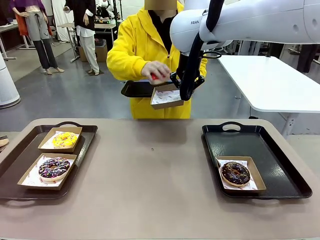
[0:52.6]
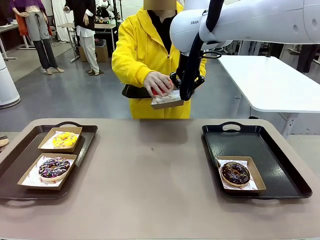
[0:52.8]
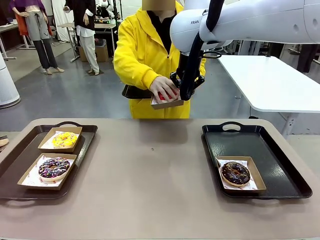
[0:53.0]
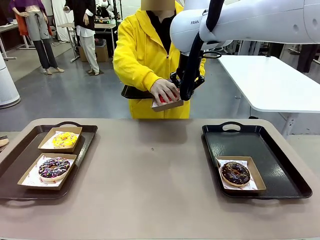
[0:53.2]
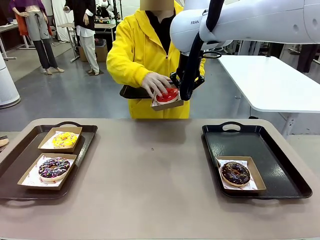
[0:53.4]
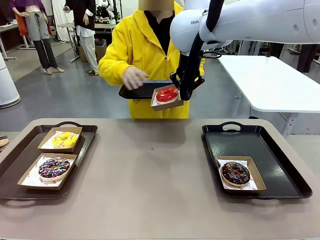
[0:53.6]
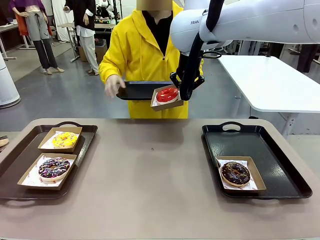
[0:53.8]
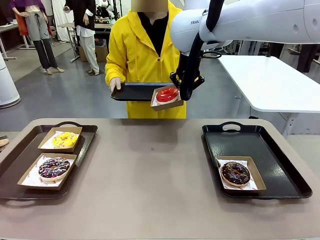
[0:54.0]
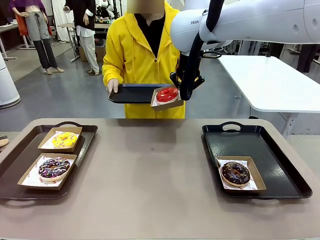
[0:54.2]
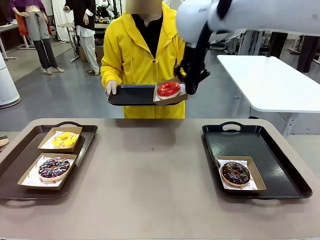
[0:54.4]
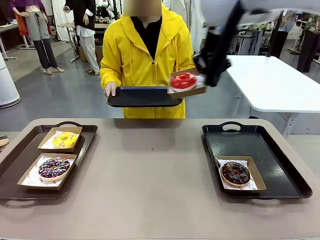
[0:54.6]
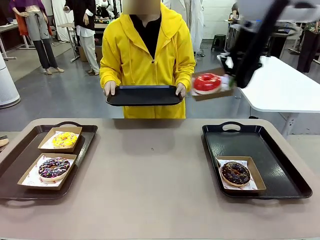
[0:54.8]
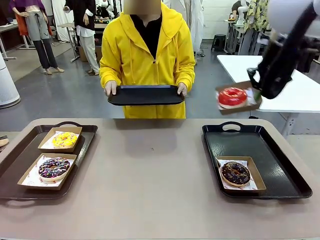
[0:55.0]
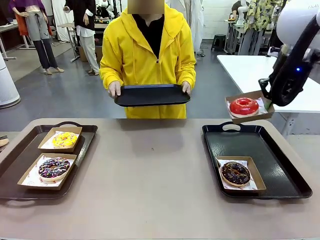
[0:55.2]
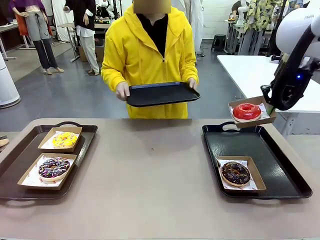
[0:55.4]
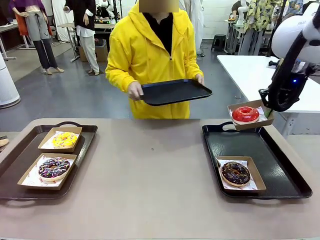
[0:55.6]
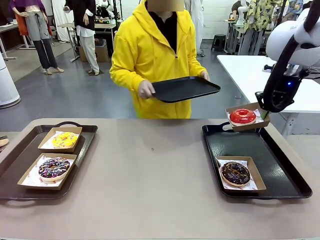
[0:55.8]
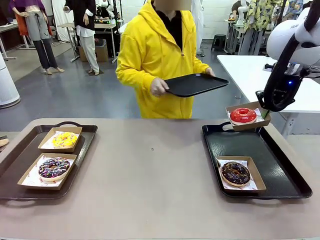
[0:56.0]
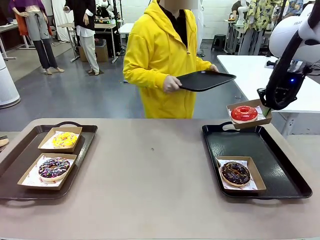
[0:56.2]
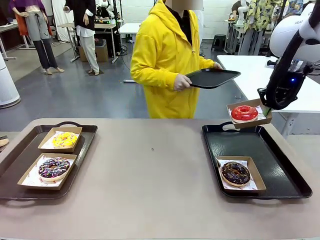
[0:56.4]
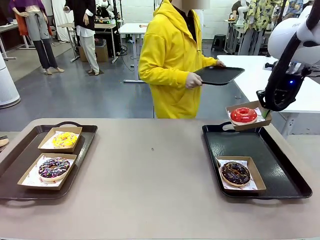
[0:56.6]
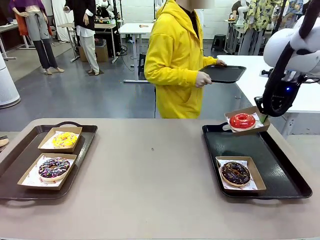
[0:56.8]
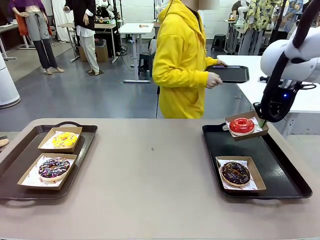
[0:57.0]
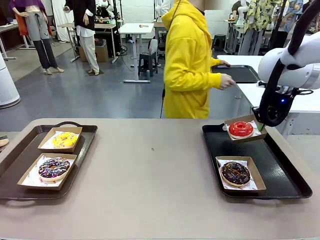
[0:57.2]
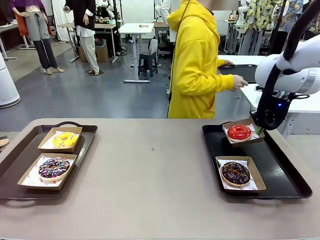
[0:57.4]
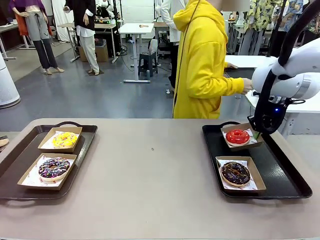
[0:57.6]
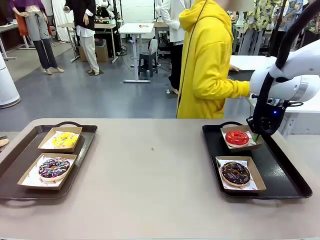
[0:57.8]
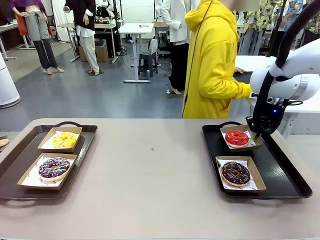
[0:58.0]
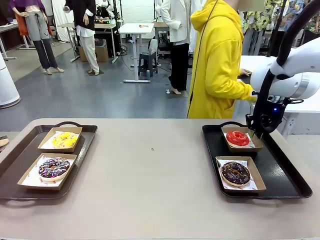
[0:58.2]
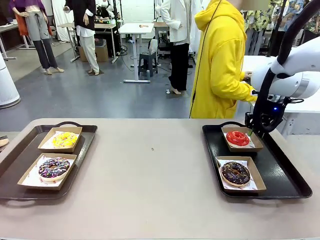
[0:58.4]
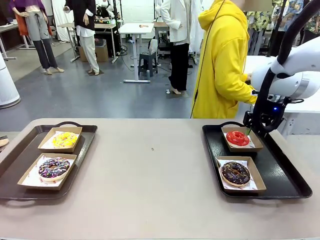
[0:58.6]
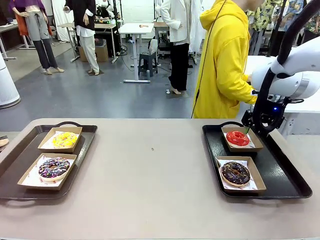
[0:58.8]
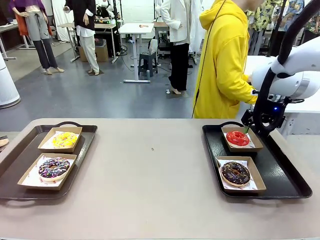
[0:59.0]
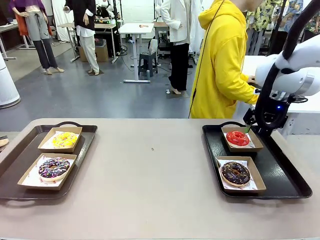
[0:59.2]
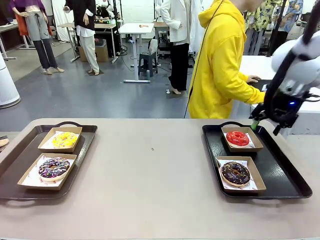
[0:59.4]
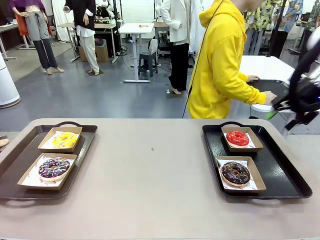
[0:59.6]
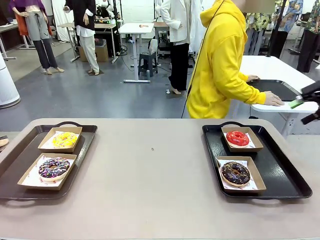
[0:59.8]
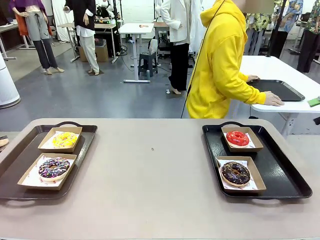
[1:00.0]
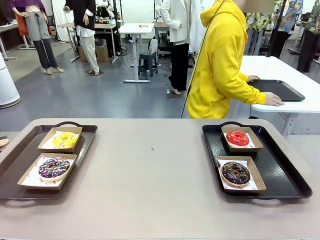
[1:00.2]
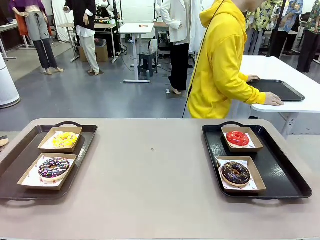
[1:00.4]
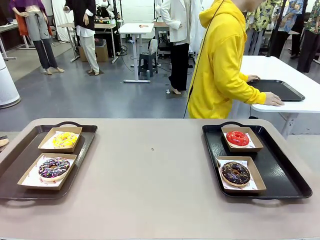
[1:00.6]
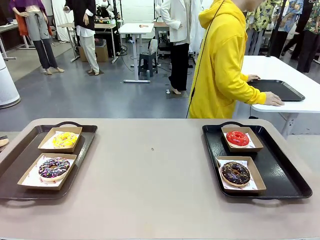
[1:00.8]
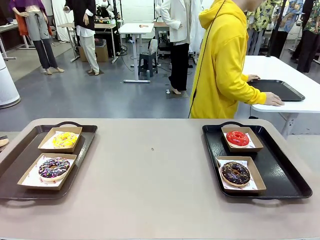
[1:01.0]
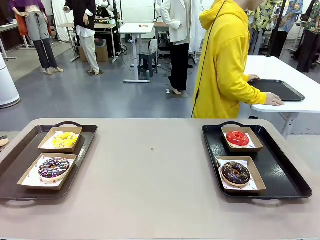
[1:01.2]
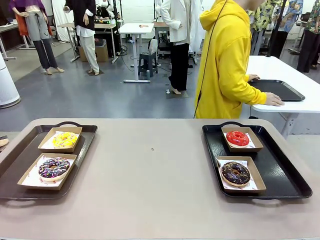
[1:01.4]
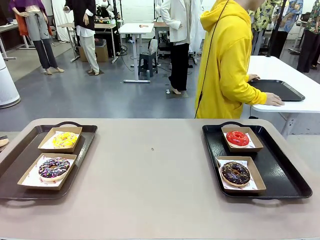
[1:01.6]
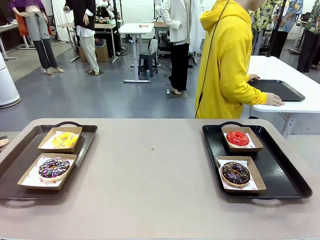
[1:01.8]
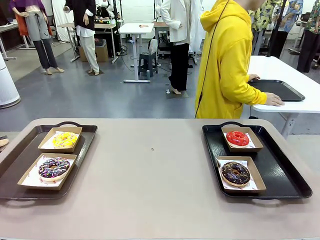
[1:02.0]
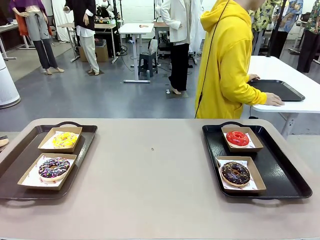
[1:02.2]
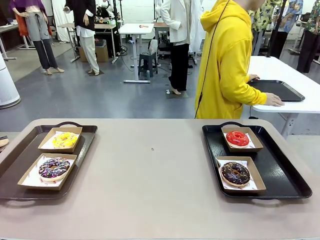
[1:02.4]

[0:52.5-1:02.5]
Task: Individually package the donuts and arrange them on the tray.
Robot: Place the picked Paper togo box on the Handle tray.
Person: Place the tray down in the middle of the human table.

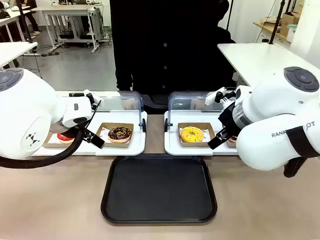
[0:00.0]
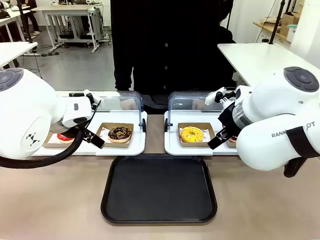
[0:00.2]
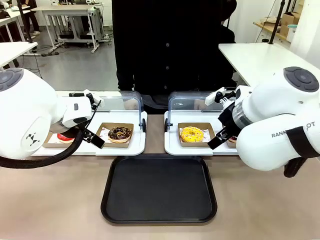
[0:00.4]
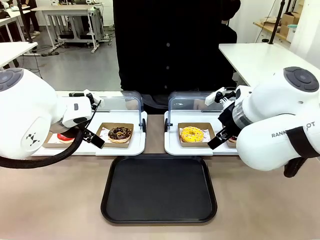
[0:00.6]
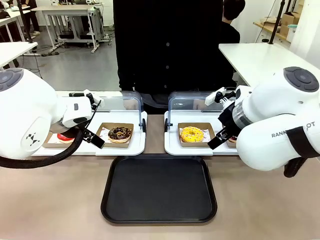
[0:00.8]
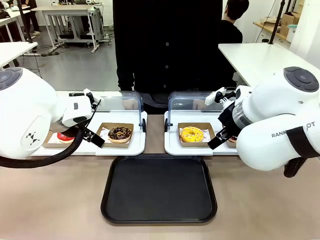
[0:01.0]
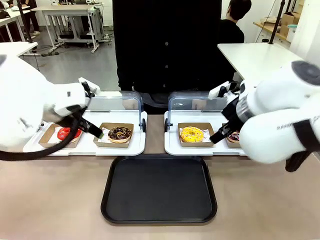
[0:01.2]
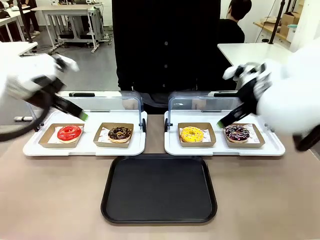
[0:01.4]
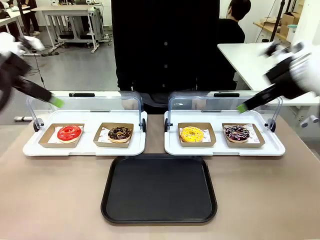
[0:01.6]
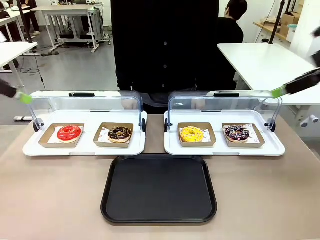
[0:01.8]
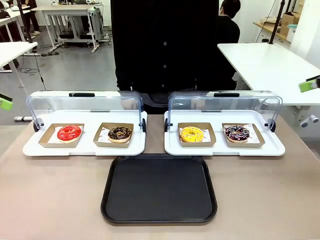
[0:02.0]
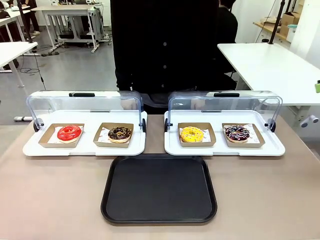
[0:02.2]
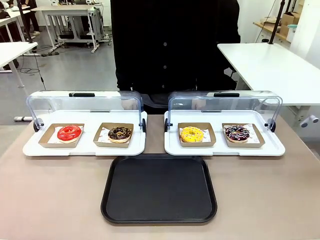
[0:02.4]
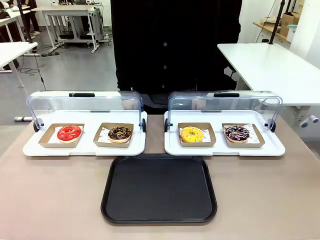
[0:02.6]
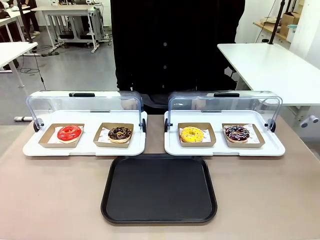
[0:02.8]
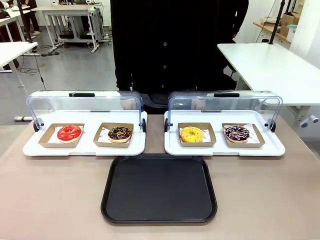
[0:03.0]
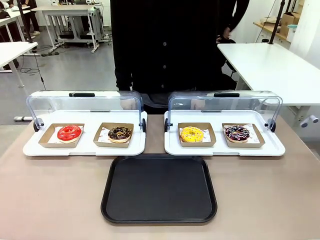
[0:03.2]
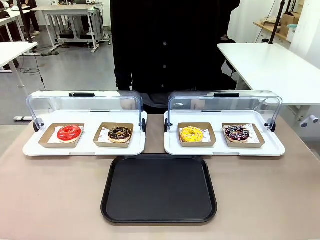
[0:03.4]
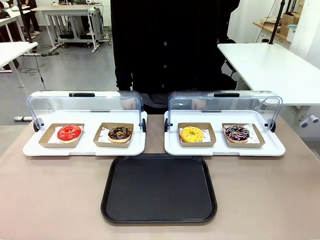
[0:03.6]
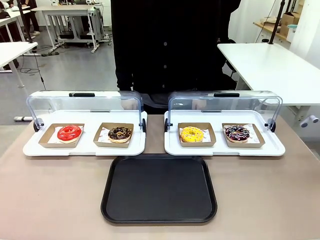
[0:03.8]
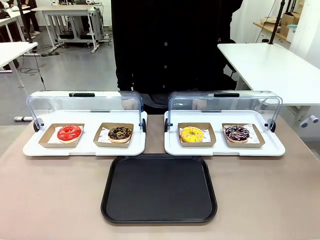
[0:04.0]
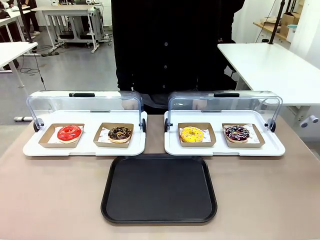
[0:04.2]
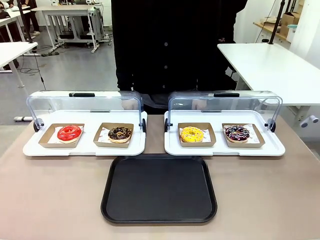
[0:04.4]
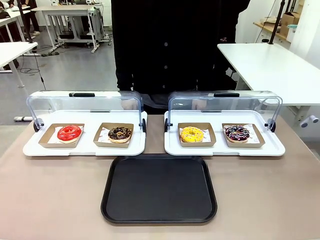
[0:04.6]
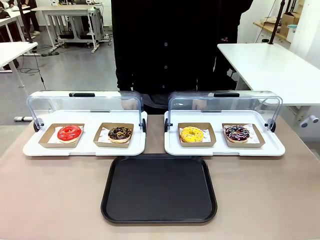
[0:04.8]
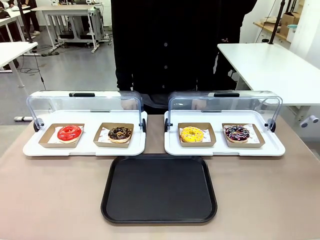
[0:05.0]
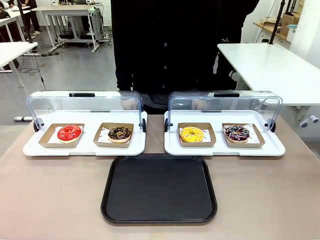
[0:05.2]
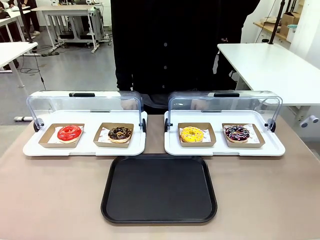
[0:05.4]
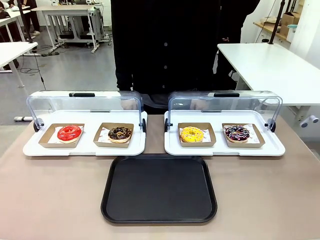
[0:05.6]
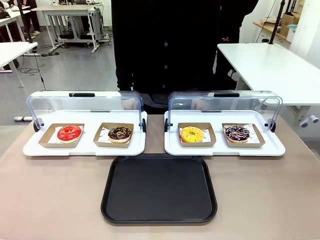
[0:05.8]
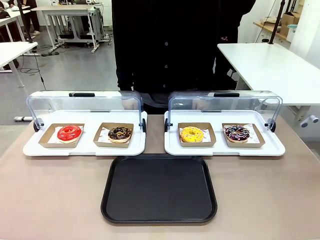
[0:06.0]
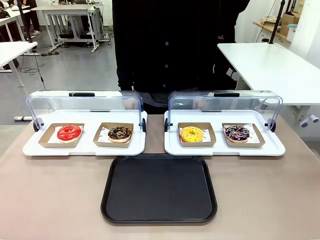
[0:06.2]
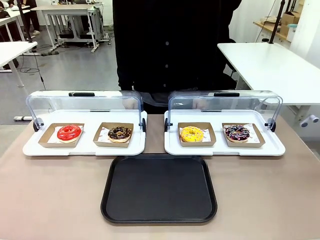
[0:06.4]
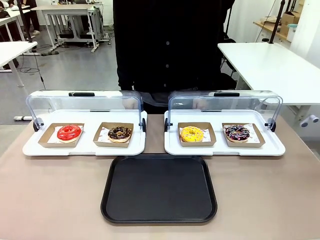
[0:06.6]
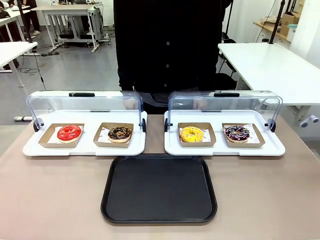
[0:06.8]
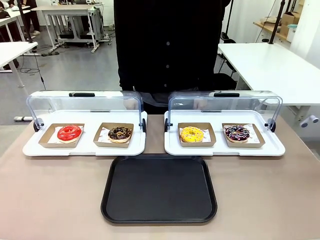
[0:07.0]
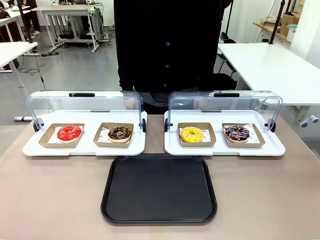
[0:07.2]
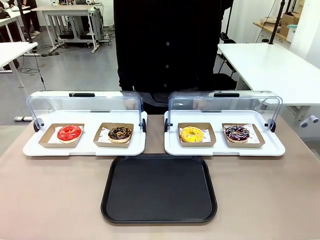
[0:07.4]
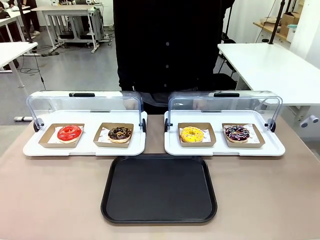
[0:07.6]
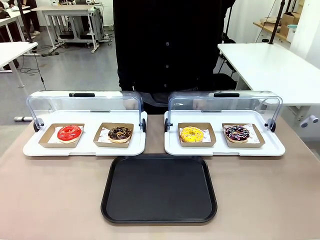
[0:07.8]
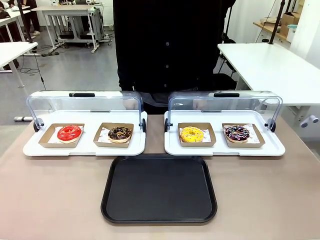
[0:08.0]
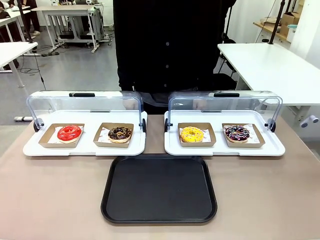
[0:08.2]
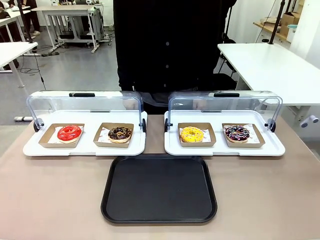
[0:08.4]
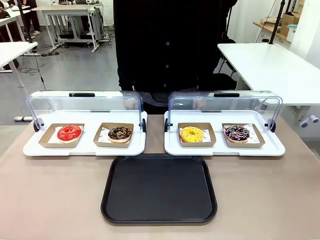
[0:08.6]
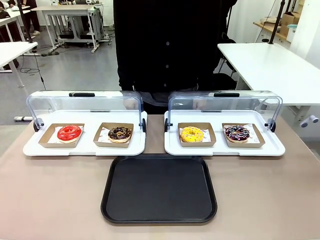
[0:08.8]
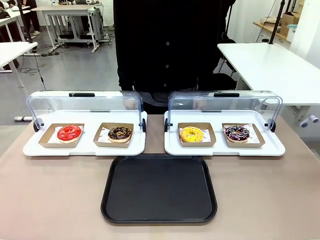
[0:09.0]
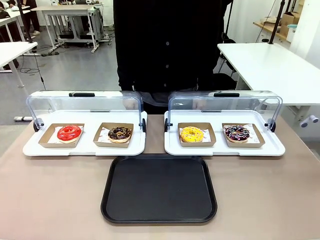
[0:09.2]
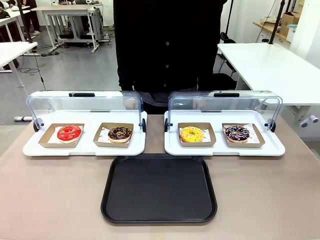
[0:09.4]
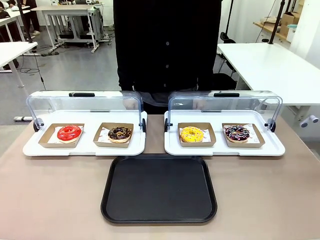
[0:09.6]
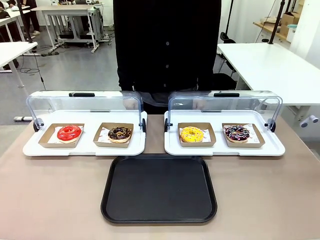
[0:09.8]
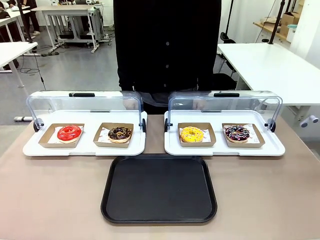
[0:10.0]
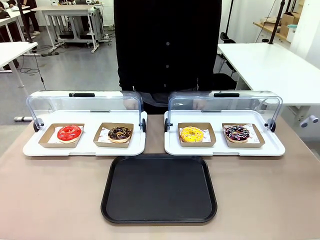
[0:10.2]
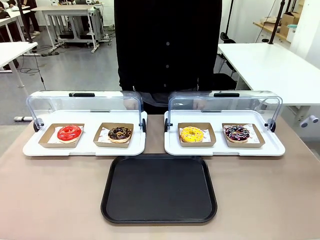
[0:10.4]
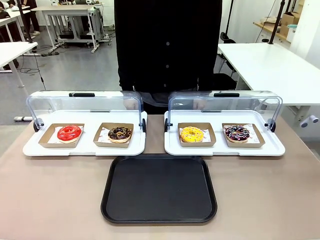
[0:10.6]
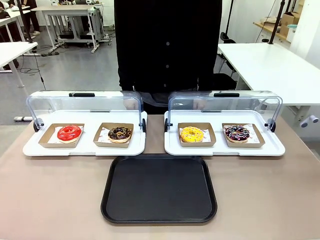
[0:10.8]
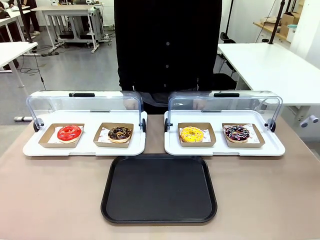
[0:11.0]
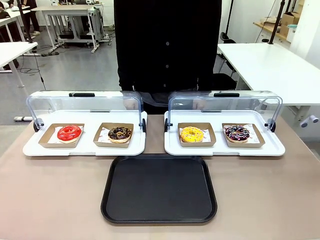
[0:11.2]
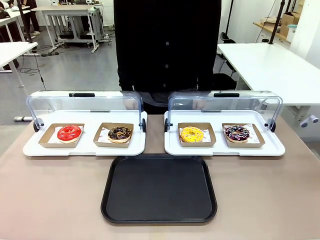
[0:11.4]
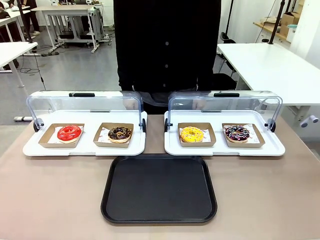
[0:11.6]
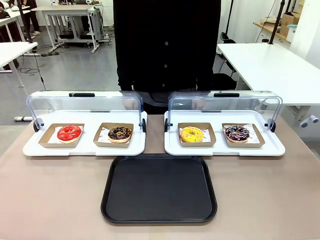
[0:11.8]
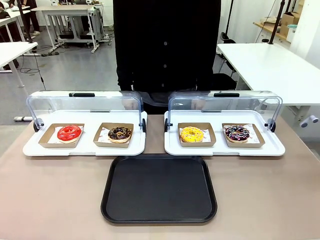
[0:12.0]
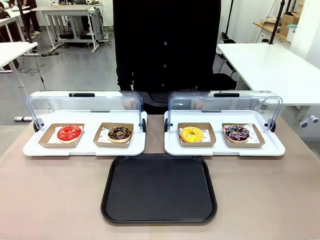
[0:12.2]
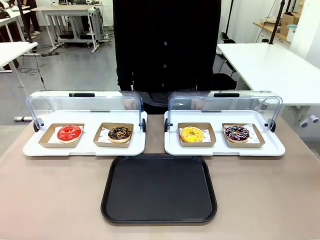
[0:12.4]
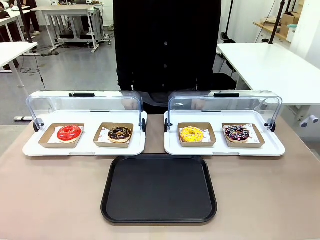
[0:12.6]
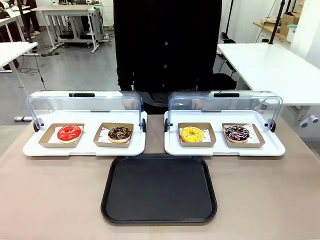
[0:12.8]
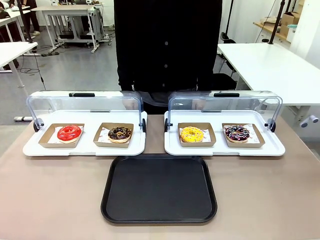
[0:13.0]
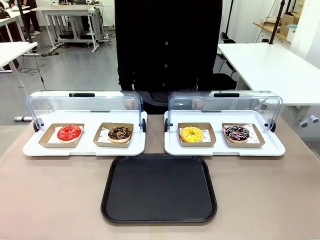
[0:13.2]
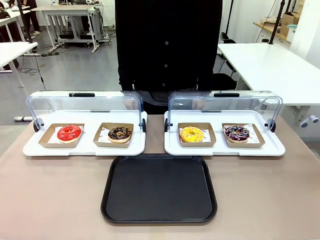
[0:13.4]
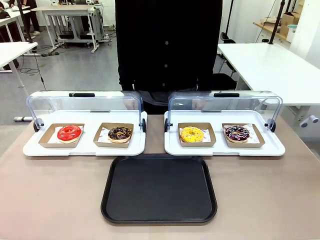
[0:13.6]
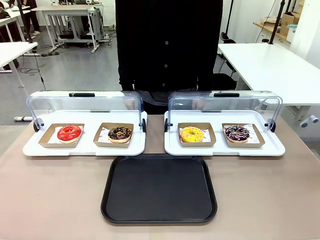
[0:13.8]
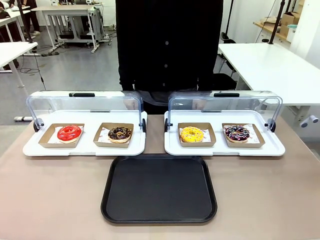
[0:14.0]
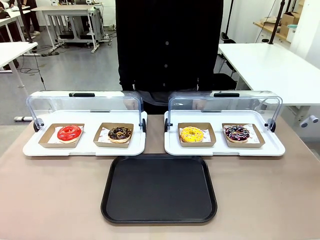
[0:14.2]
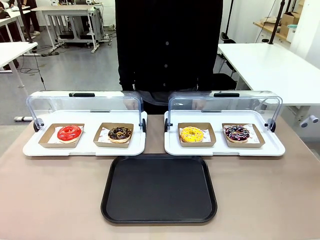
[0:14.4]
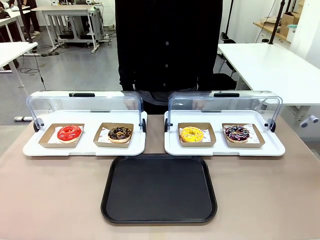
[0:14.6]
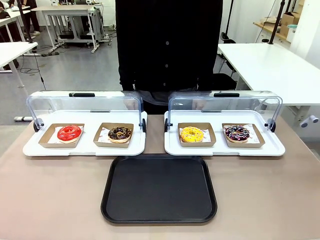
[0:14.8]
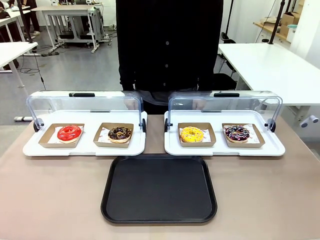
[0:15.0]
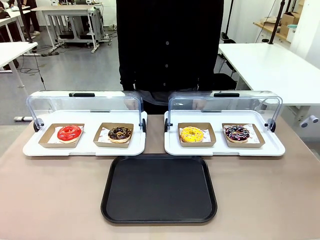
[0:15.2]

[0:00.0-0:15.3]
Task: Move the fourth donut from the left to the tray.
Robot: Pick up the Paper togo box containing the Donut indicated by the person and place it on the Handle tray.
